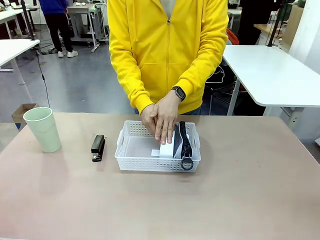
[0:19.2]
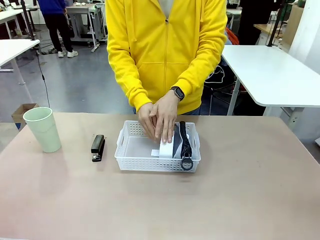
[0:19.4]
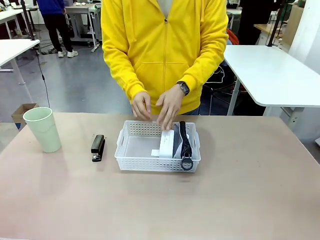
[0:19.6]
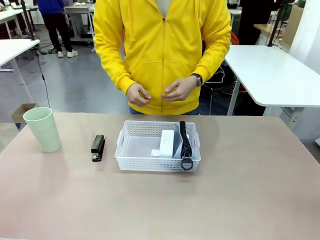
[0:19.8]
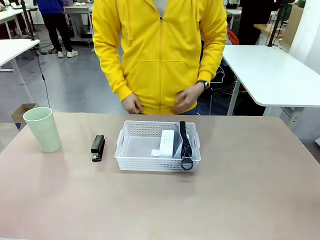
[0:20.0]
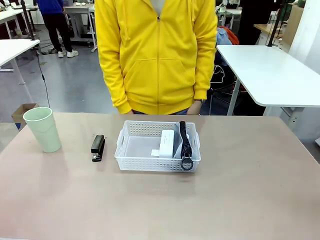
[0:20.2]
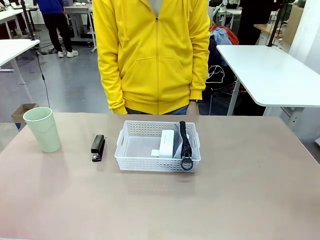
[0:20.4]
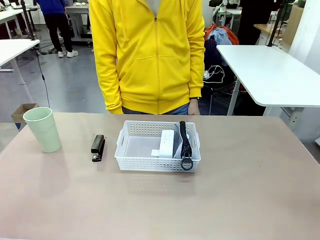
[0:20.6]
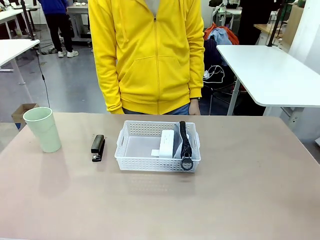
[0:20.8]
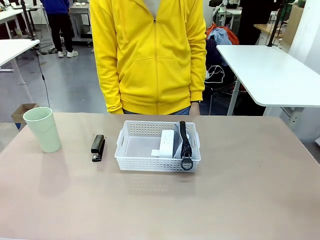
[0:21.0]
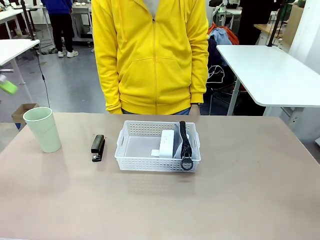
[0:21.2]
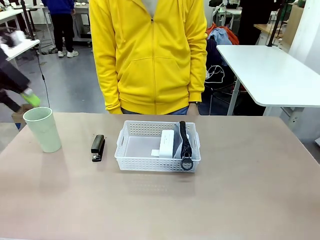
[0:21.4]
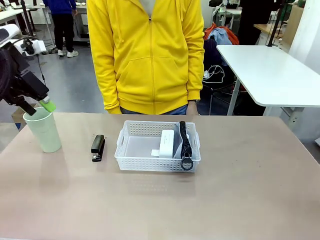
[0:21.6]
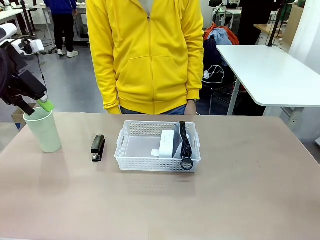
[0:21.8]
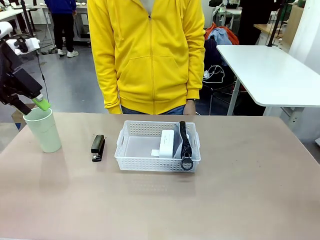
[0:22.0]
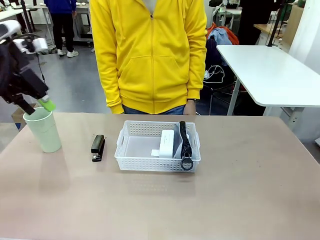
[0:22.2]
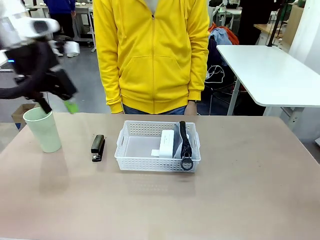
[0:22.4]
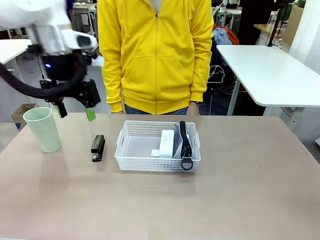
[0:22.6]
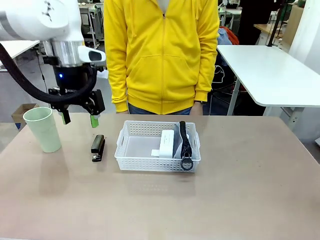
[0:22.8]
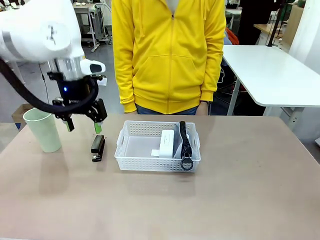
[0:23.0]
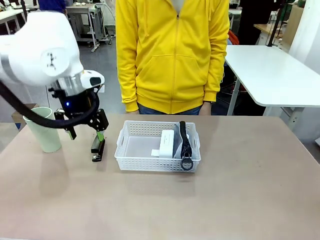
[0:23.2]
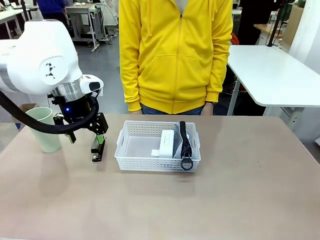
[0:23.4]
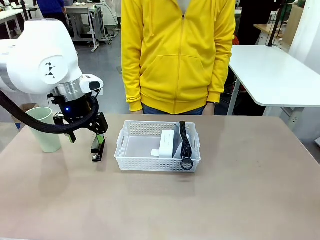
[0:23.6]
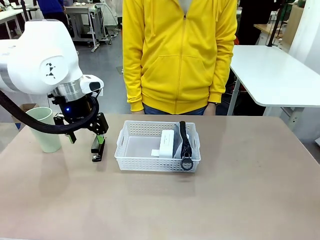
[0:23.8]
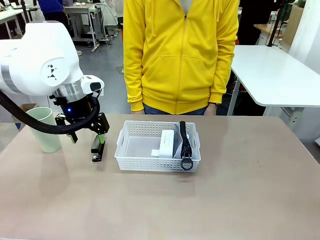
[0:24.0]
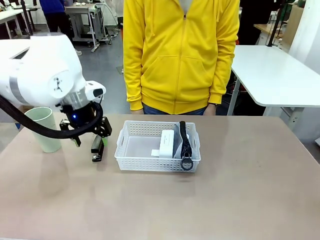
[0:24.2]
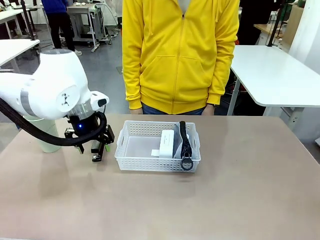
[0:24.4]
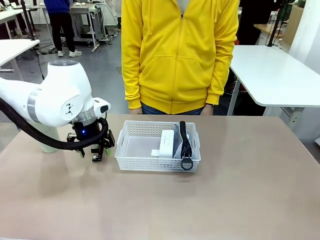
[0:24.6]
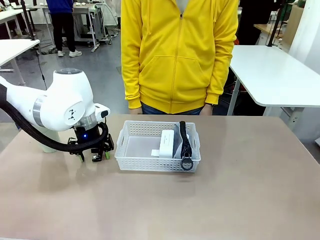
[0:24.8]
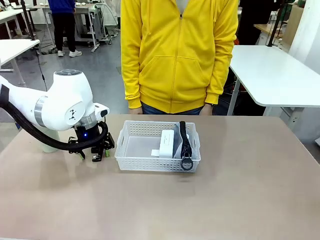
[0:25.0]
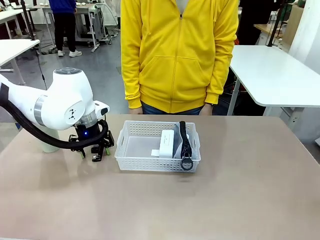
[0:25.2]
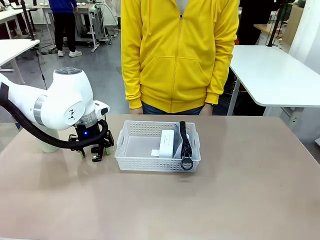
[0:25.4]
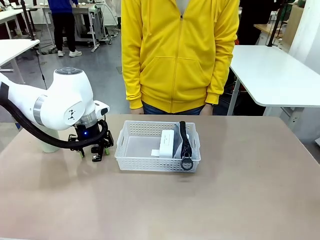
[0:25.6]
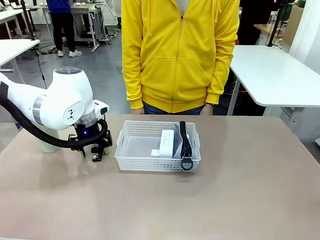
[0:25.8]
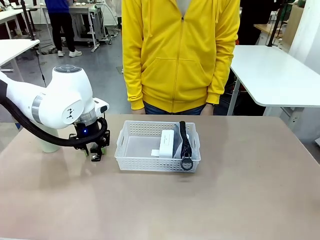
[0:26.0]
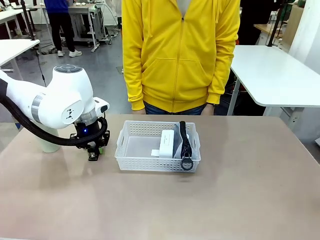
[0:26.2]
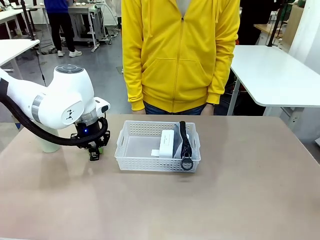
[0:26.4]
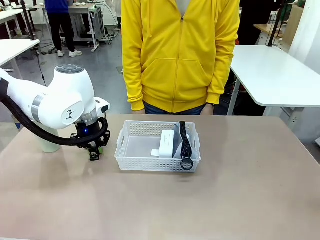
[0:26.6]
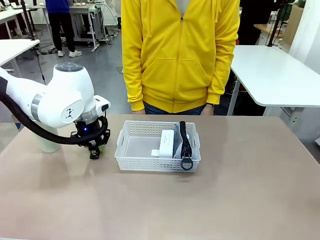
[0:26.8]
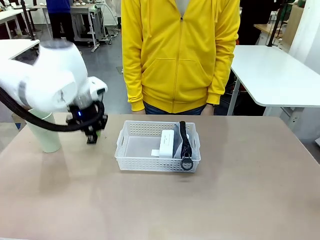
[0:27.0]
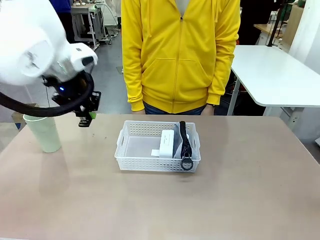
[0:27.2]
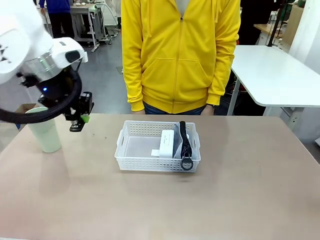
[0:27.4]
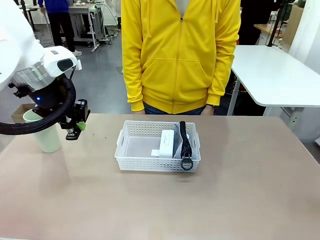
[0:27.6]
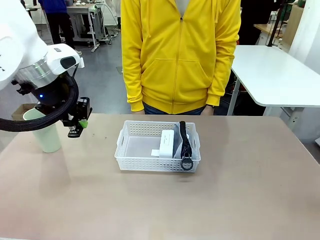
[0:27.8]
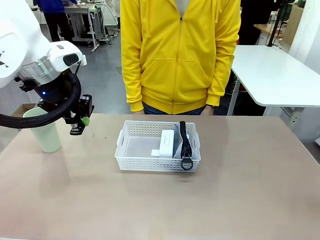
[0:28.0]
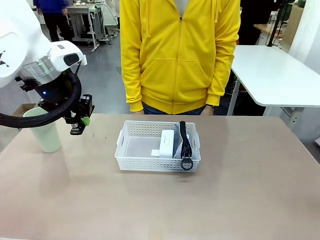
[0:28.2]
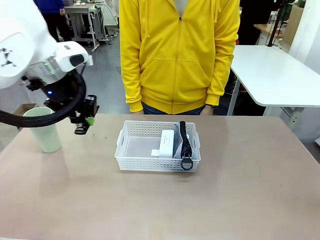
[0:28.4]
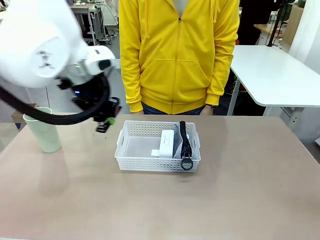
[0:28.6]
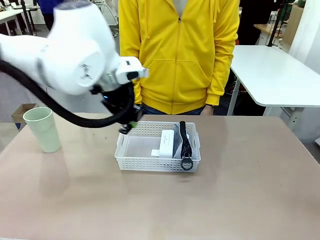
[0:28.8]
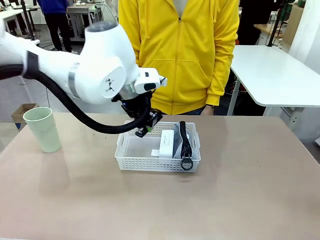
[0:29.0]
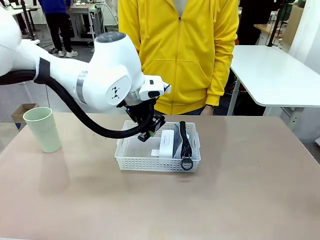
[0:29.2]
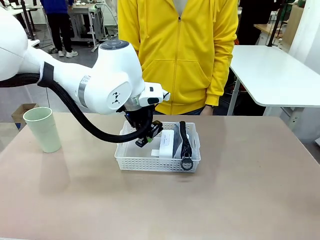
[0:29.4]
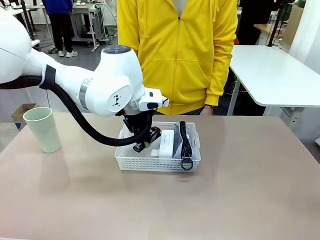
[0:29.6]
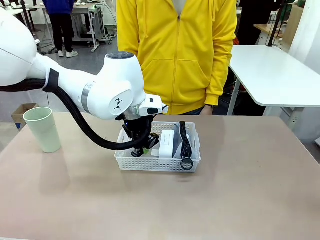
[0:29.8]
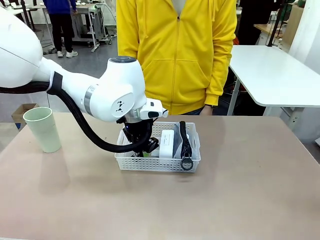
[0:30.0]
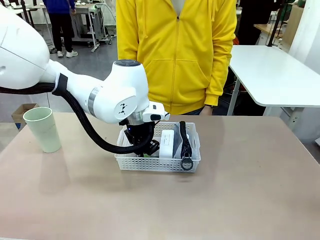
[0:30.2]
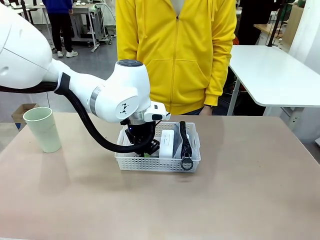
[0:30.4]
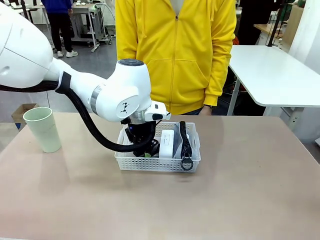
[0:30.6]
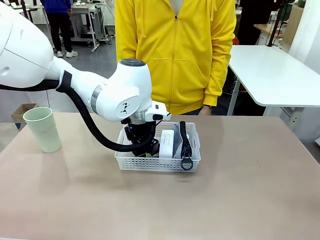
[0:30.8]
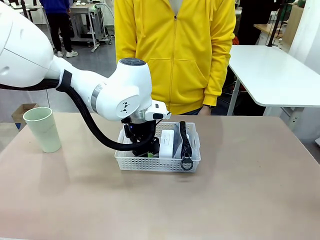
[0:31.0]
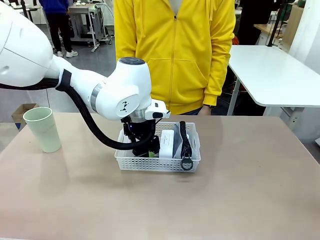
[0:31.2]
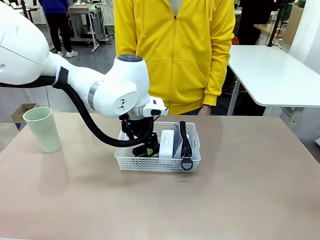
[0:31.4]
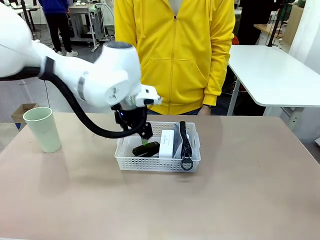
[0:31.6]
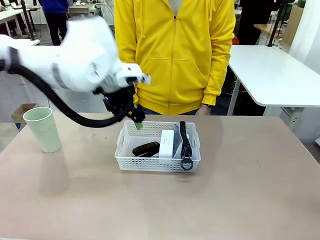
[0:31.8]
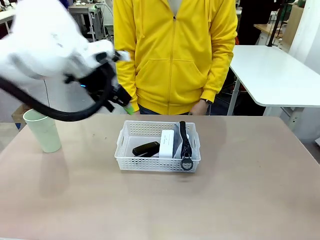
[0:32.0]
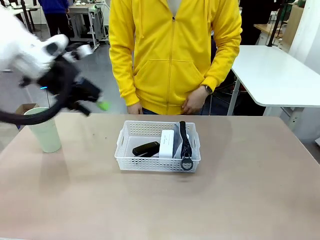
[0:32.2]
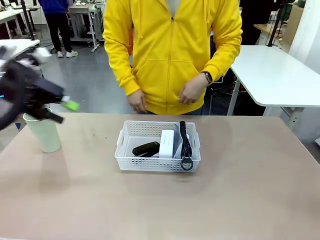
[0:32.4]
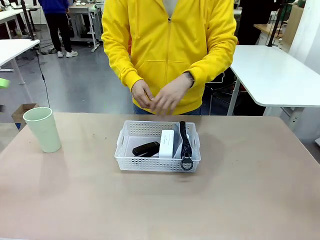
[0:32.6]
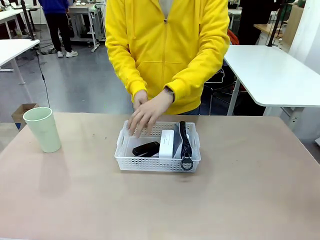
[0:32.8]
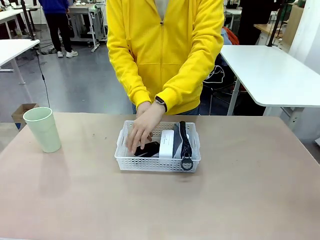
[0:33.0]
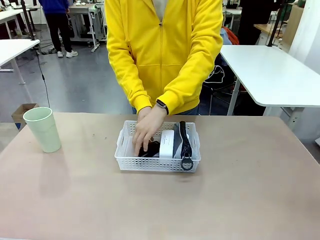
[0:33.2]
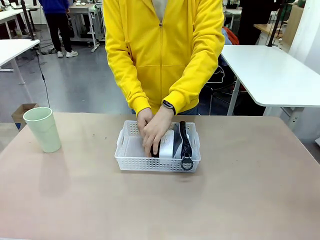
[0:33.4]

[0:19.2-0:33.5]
Task: Efficiently arrange items inside the basket to fit them all.
Robot: Pick up the Stapler and place it inside the Organizing basket.

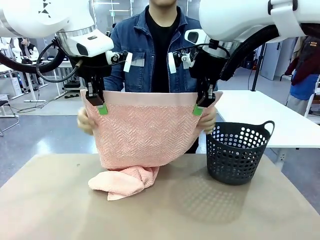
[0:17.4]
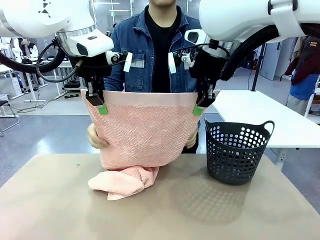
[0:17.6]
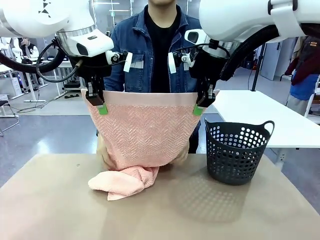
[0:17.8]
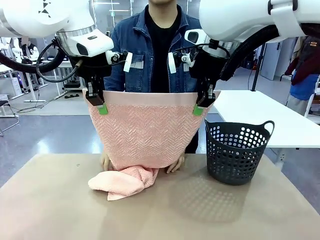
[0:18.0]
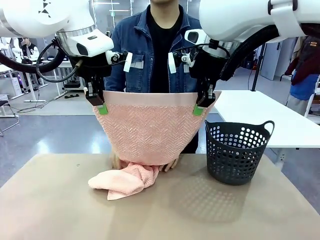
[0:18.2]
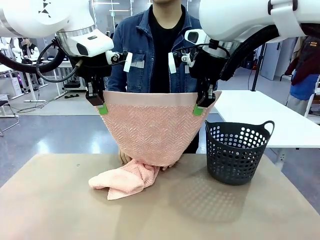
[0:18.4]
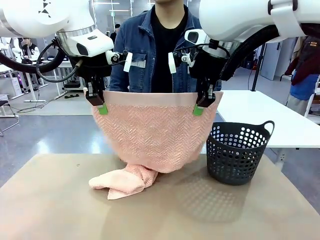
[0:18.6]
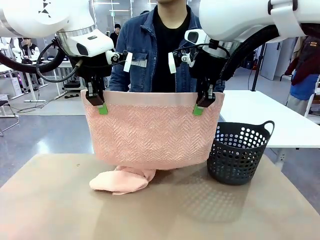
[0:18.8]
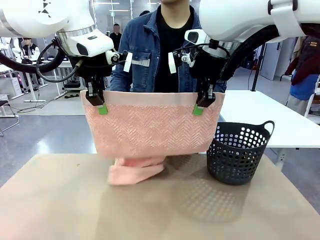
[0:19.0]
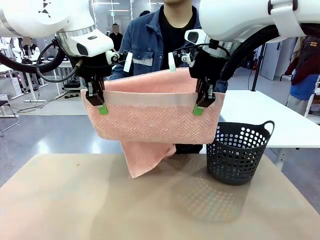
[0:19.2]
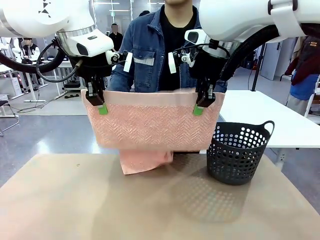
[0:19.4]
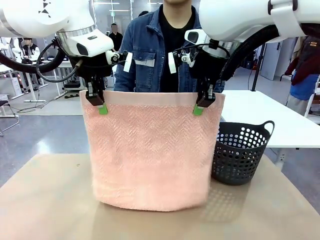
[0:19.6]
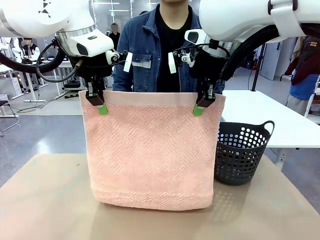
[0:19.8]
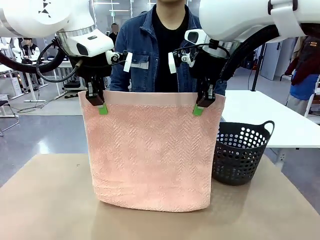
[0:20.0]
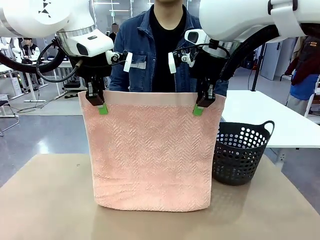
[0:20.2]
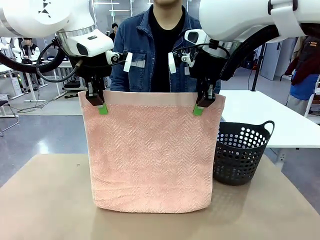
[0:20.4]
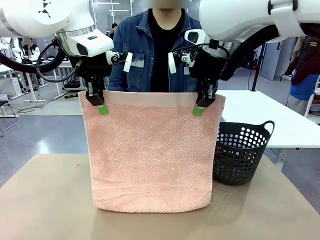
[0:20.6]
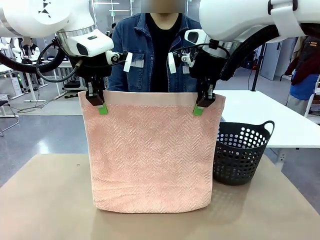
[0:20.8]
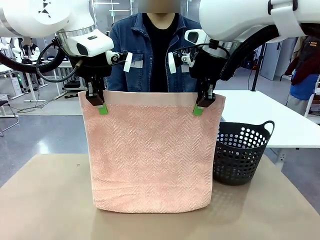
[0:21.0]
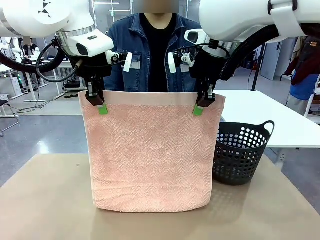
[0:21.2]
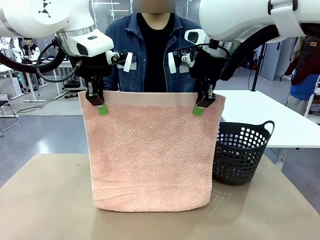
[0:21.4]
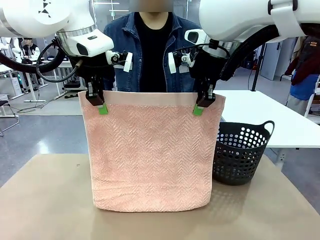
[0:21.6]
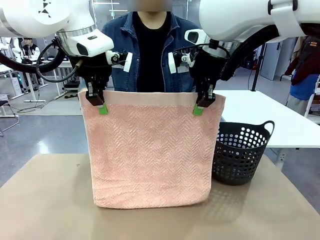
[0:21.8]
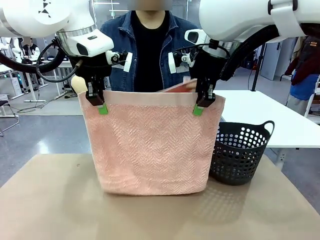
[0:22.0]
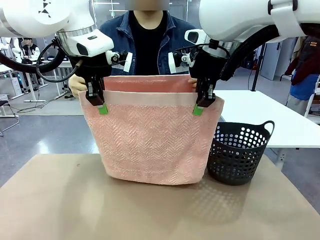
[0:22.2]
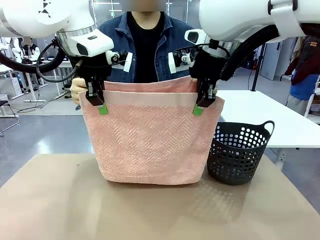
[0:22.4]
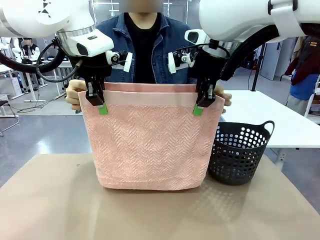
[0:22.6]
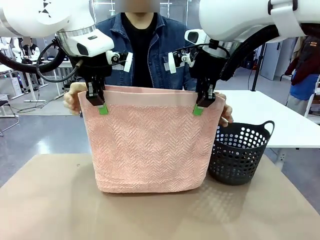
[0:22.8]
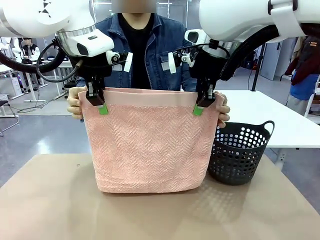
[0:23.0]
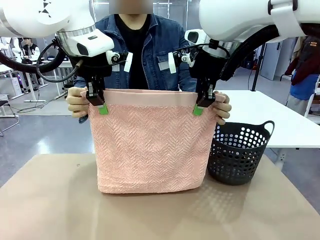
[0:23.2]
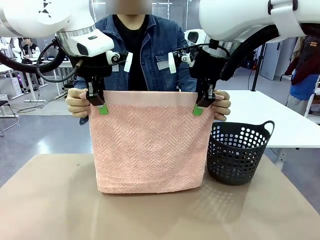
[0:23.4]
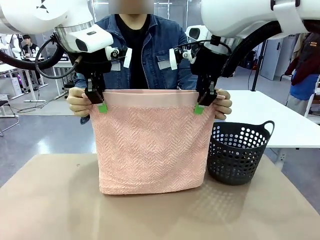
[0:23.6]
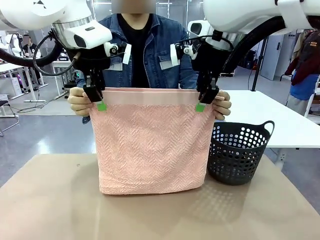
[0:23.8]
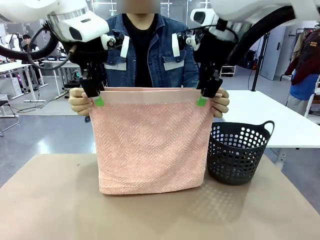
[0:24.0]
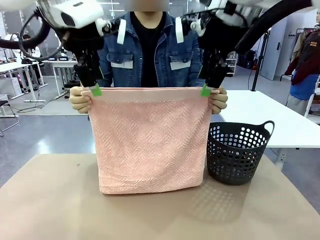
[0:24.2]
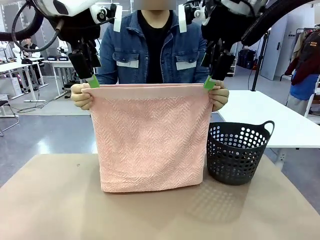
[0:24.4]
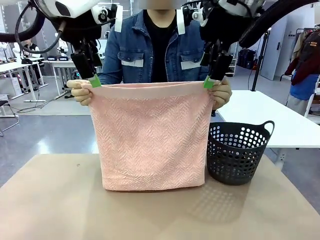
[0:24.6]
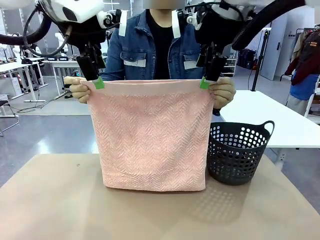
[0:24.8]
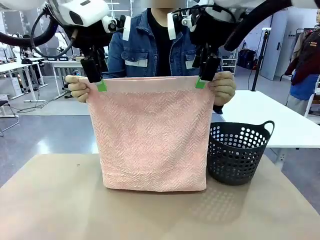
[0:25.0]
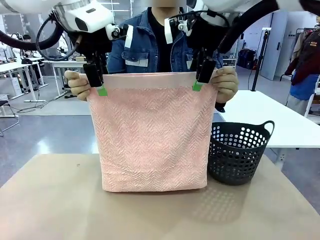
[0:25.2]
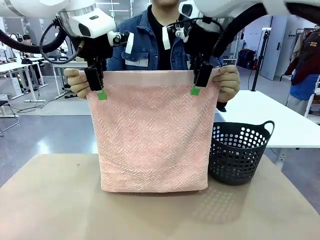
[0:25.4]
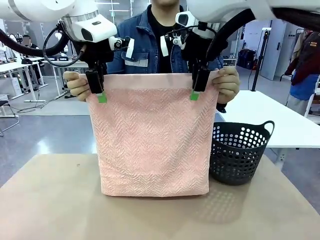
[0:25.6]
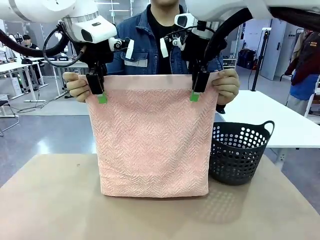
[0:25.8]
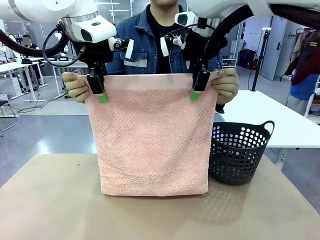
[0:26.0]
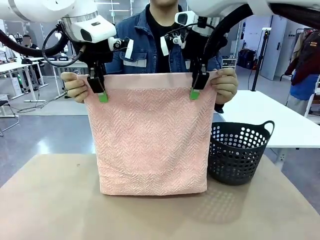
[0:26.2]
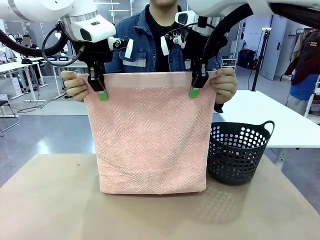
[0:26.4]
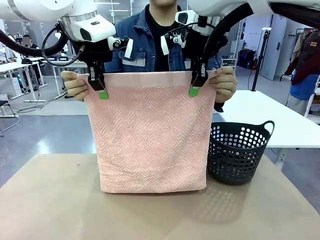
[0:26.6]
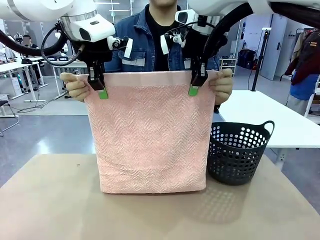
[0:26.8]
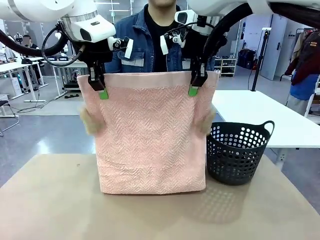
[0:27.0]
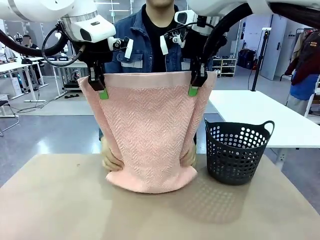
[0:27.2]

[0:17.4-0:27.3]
Task: Fold the towel.
Robot: Release the end of the 100 cm Hotel Towel you were holding and grab the top end of the folded side.
Person: Using the point held by the robot as a reference, grasp the opposite end, fold the towel in half, and then hold both ends of the folded towel.
